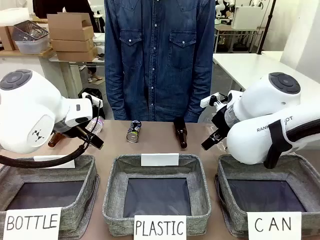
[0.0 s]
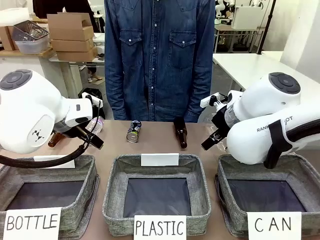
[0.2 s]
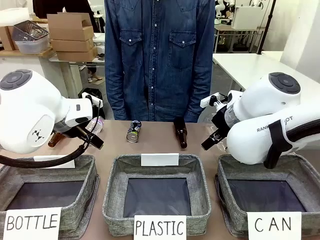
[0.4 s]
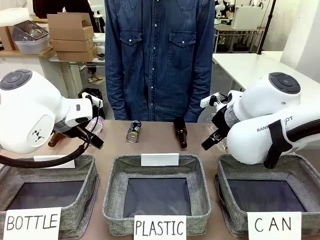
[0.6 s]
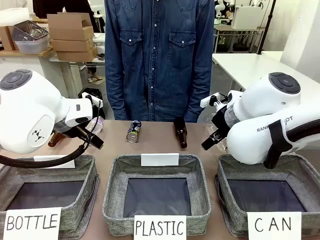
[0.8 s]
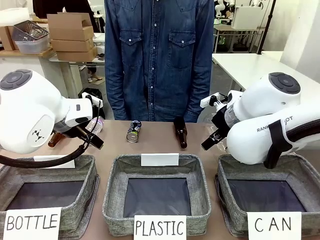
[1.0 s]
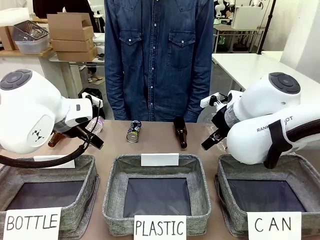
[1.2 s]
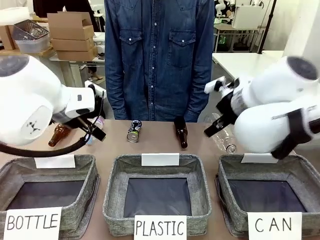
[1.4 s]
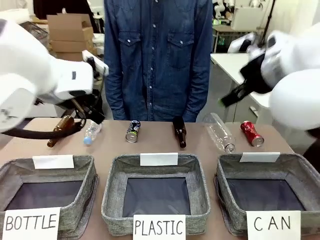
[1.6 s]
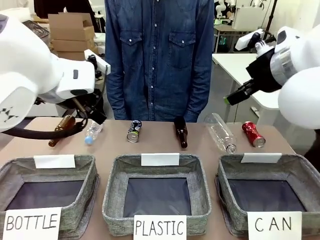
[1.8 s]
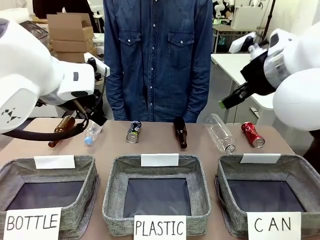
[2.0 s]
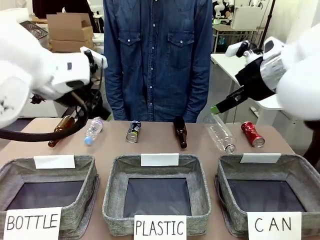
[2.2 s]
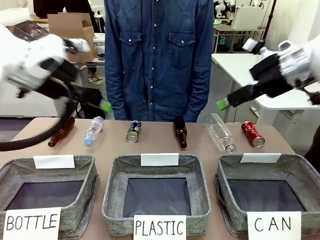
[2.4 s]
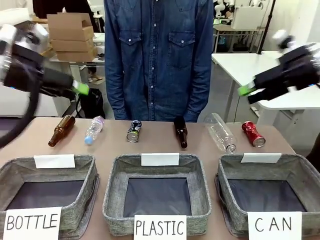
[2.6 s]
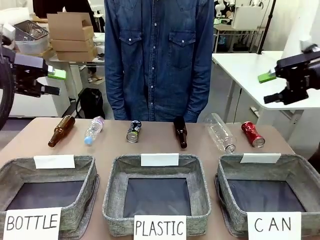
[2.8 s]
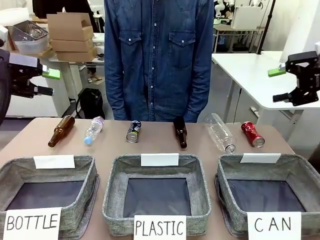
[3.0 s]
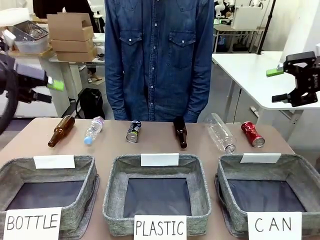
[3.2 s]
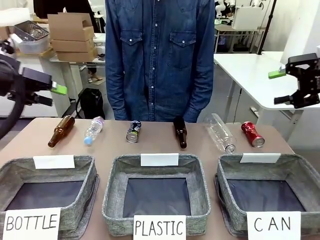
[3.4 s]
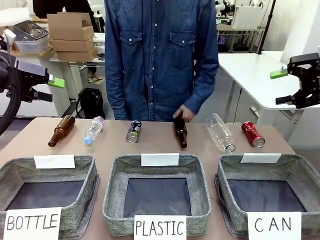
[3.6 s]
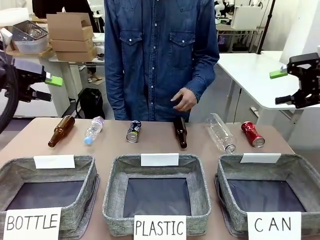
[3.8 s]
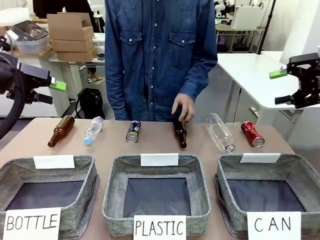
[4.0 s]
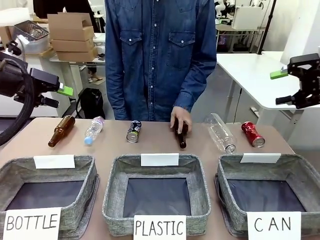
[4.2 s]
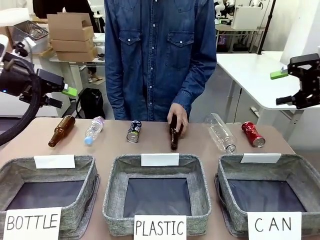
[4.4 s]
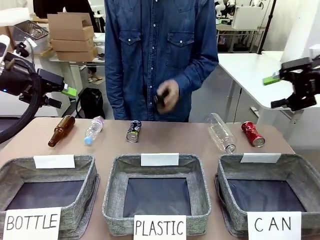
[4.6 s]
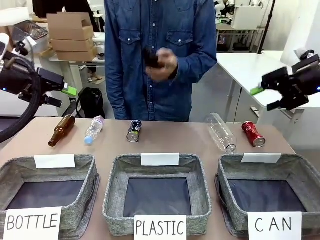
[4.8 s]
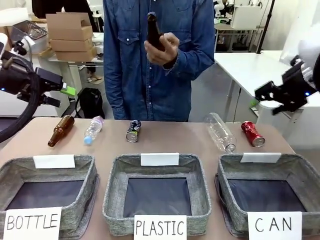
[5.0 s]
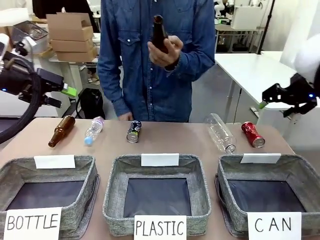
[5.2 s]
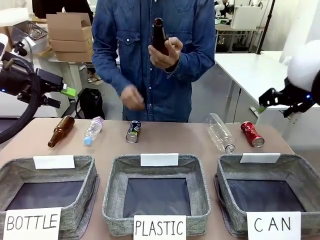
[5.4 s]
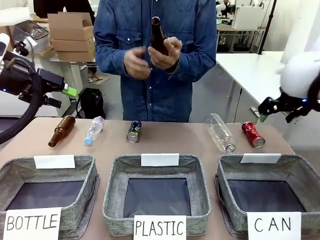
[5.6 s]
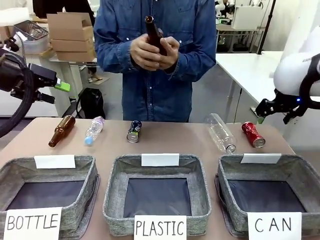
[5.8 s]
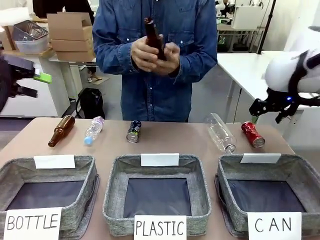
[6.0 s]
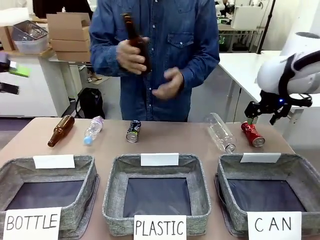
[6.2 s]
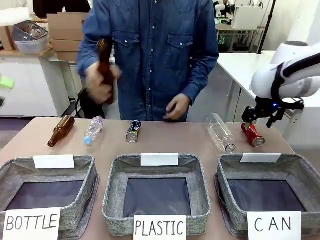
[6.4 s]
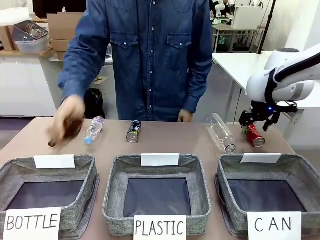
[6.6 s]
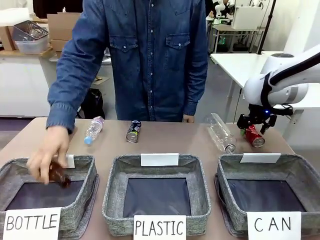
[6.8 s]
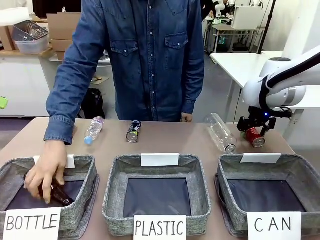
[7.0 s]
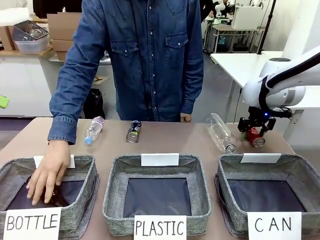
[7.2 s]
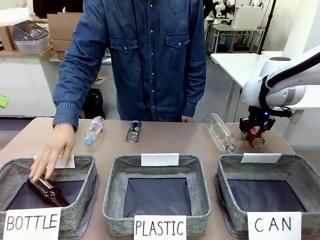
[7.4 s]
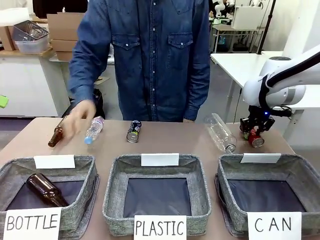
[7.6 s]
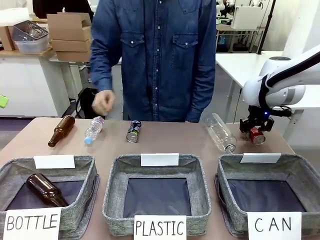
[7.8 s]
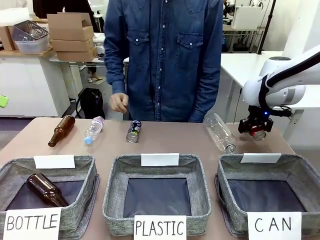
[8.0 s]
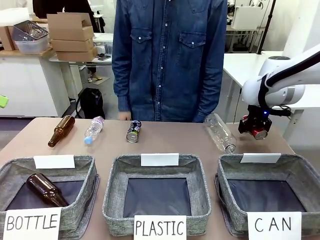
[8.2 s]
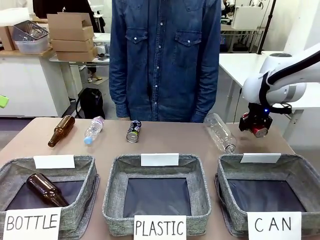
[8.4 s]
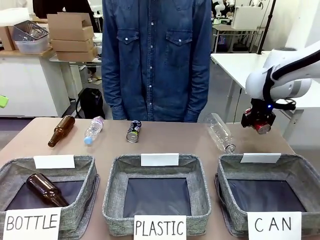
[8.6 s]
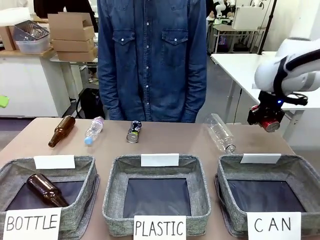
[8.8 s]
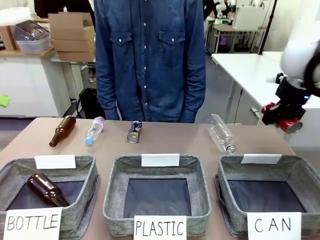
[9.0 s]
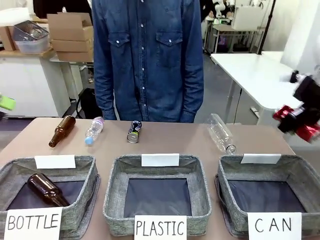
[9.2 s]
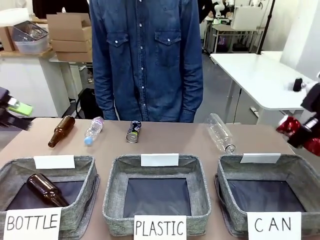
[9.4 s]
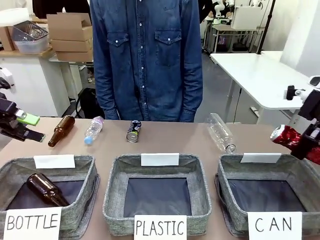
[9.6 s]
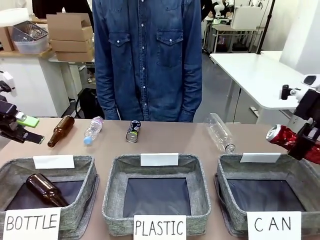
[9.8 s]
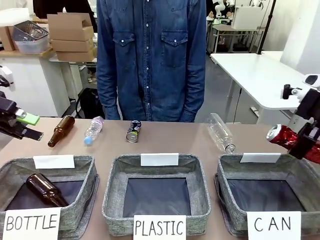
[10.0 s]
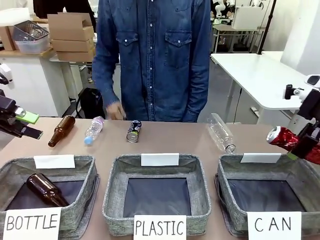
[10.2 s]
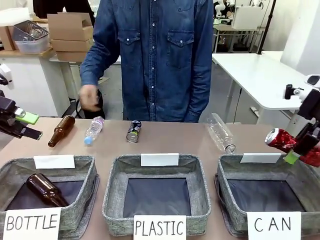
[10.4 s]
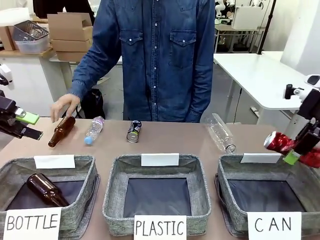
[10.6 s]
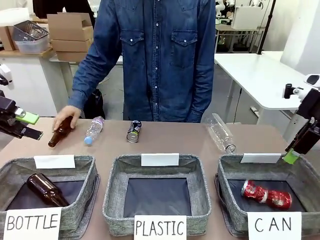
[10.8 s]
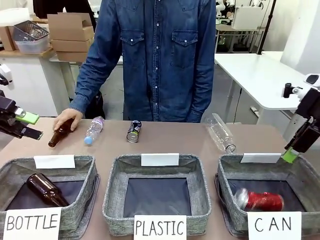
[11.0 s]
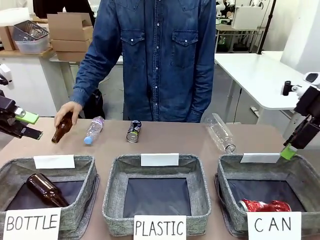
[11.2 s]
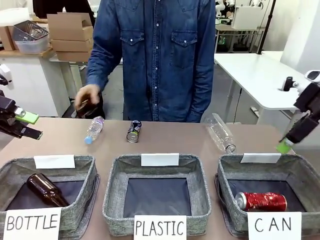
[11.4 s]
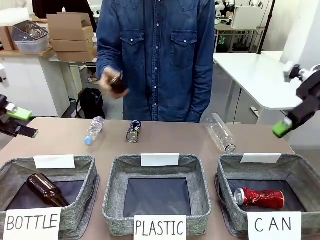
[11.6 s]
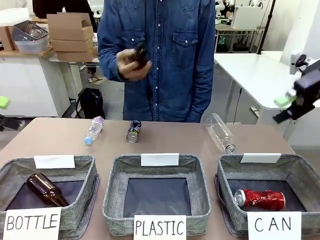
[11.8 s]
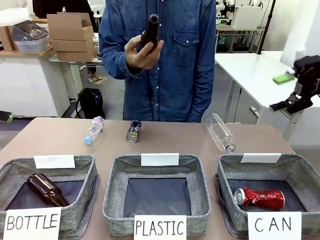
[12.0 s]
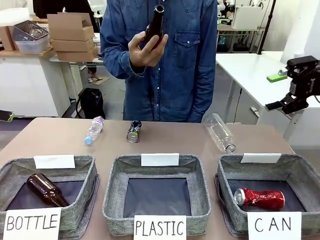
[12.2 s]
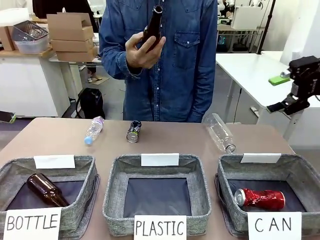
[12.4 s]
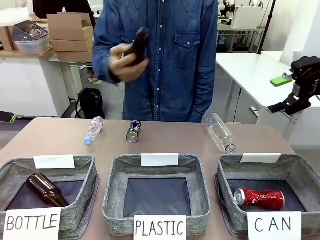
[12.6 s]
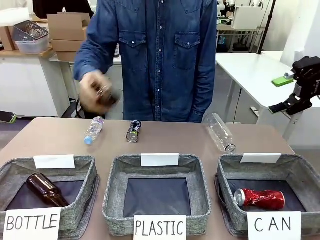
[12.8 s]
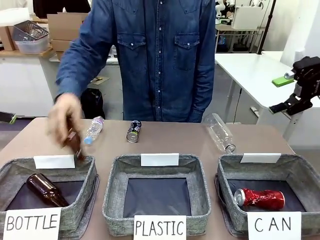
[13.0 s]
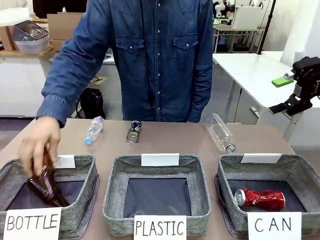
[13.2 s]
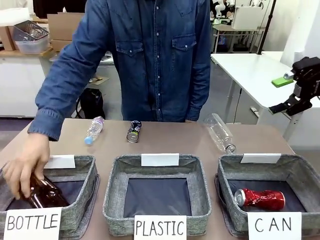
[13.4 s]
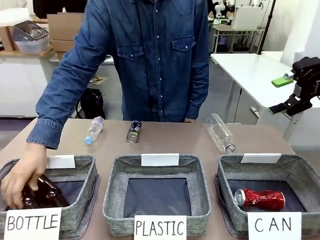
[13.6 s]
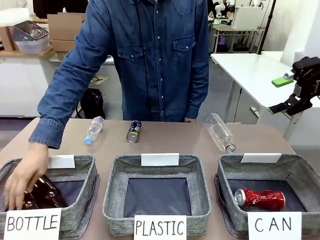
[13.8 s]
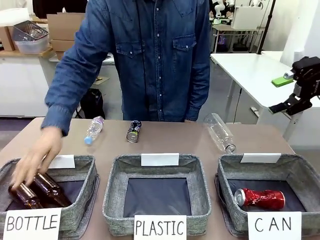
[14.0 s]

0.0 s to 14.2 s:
Task: Sort the can waste into the basket.
Robot: Pick up the can waste from the table and place it in the right Fabric basket.
